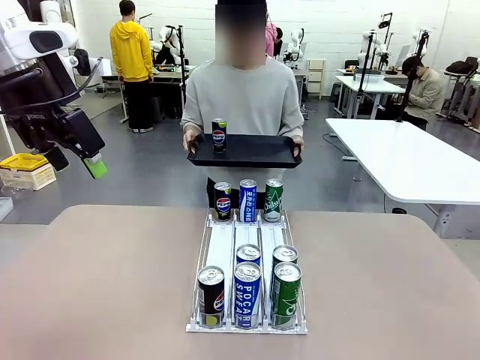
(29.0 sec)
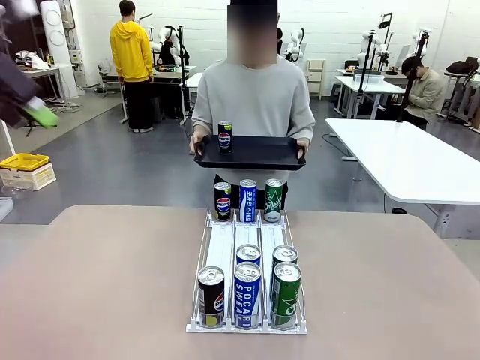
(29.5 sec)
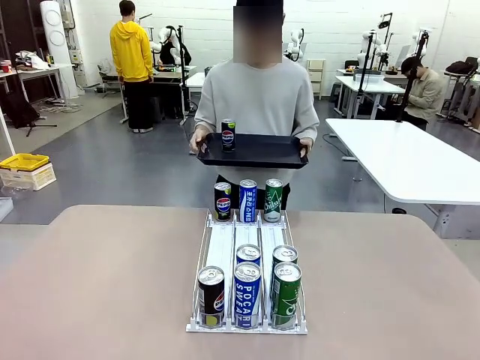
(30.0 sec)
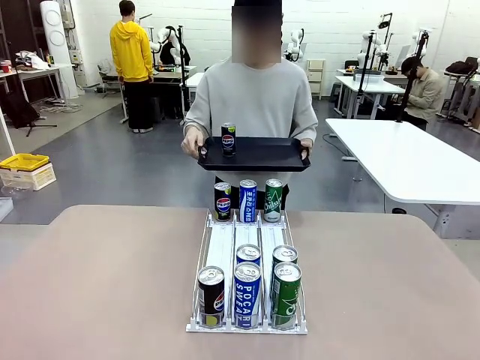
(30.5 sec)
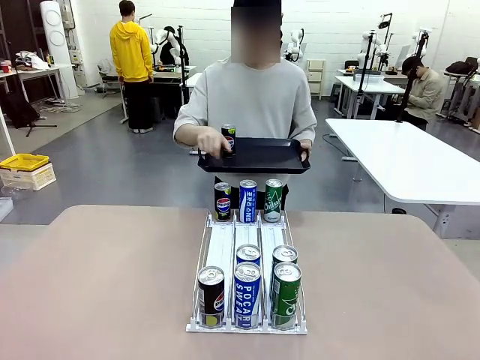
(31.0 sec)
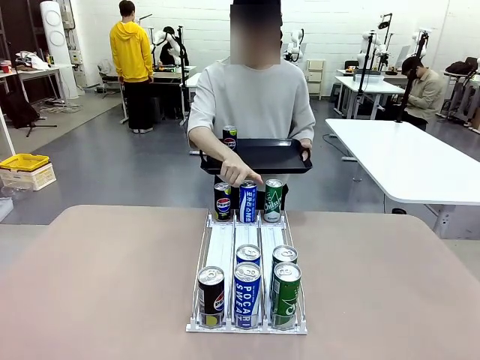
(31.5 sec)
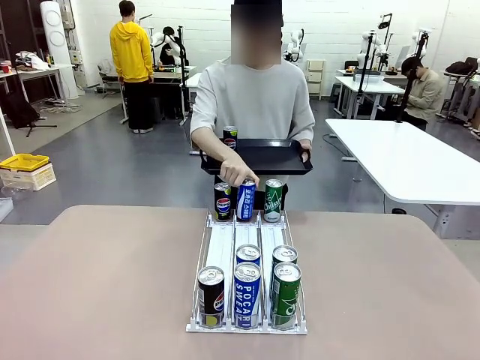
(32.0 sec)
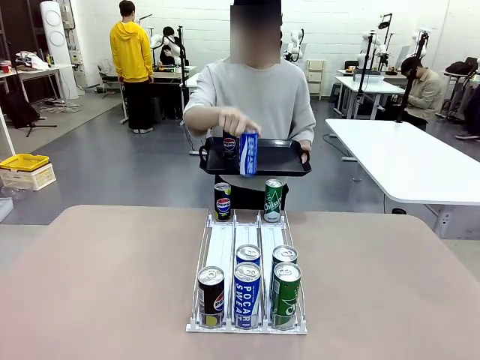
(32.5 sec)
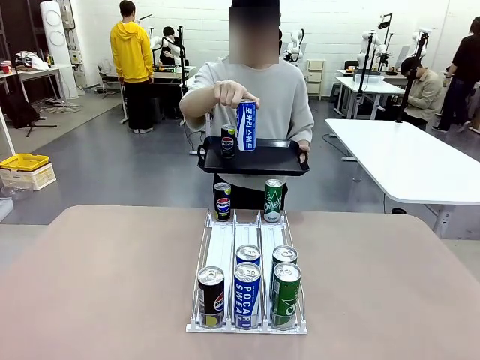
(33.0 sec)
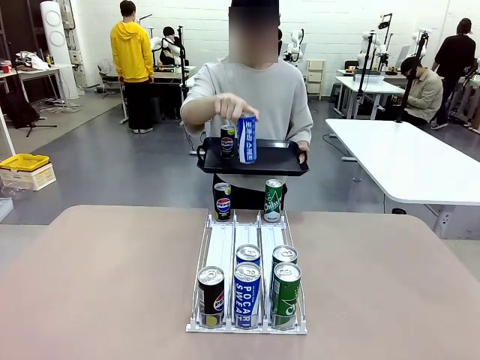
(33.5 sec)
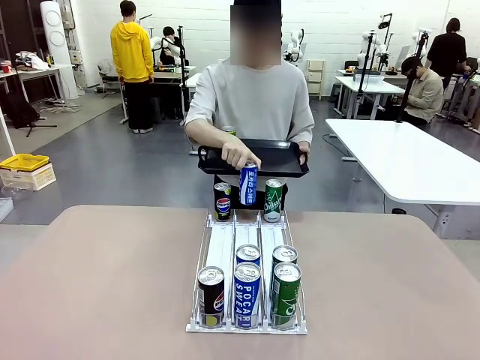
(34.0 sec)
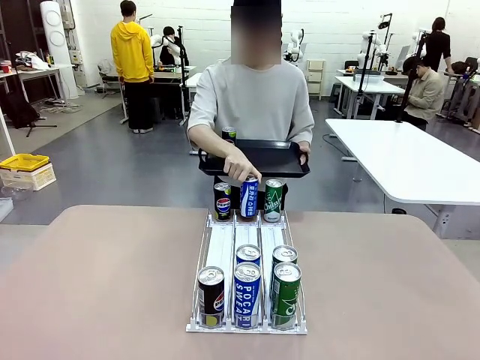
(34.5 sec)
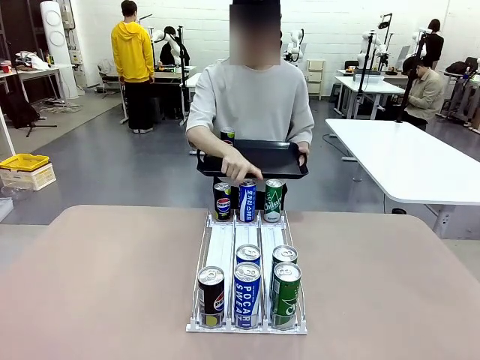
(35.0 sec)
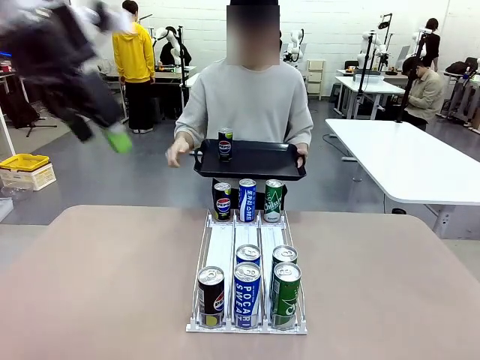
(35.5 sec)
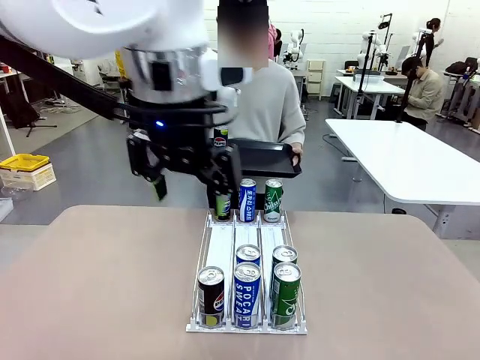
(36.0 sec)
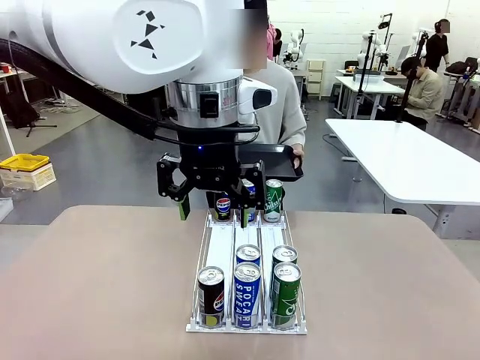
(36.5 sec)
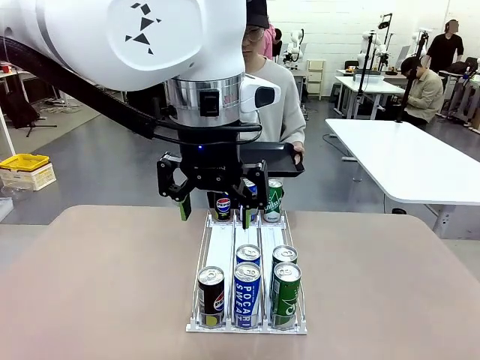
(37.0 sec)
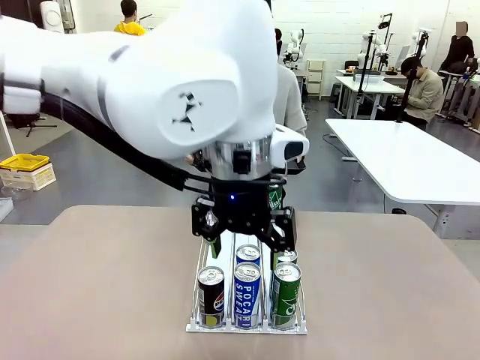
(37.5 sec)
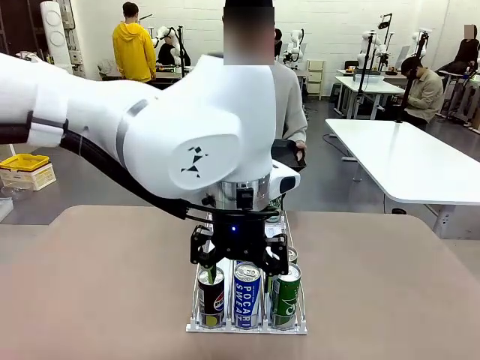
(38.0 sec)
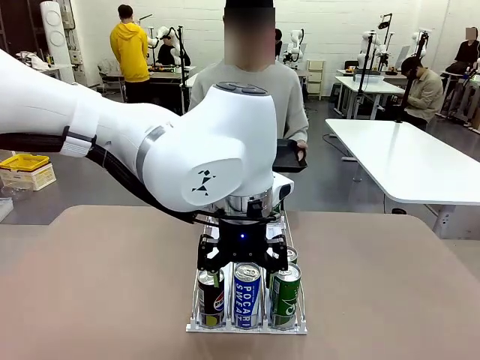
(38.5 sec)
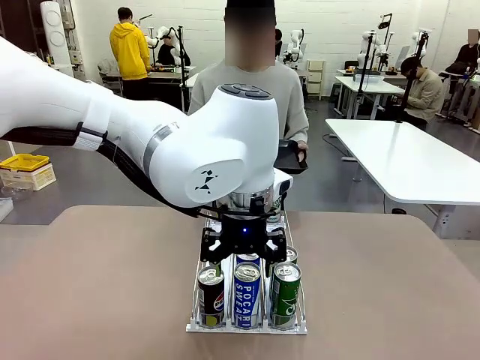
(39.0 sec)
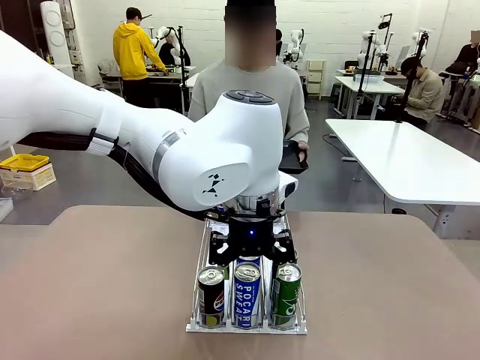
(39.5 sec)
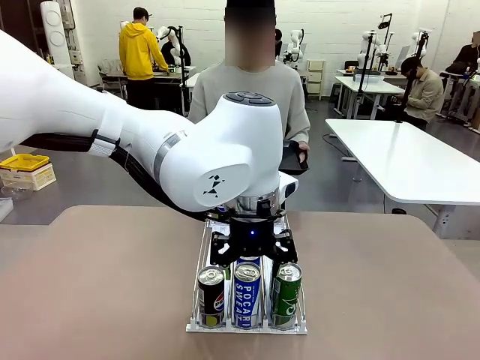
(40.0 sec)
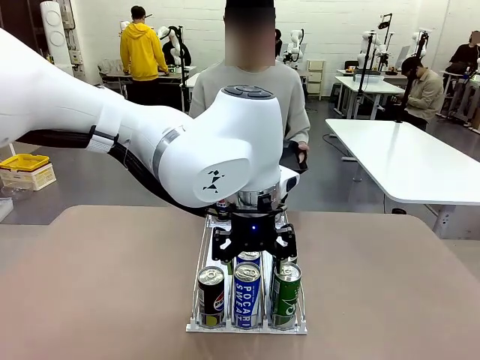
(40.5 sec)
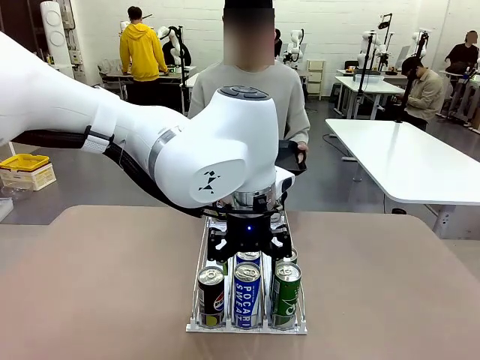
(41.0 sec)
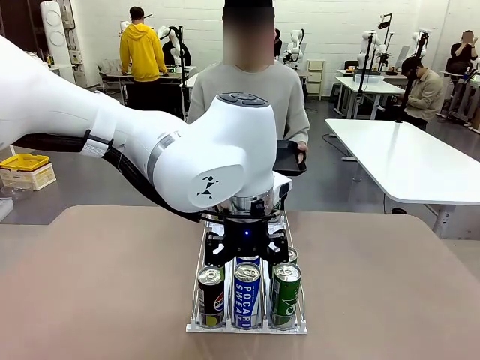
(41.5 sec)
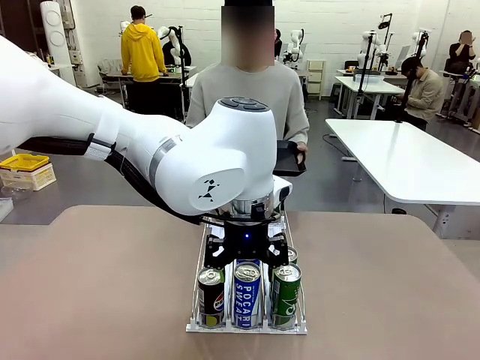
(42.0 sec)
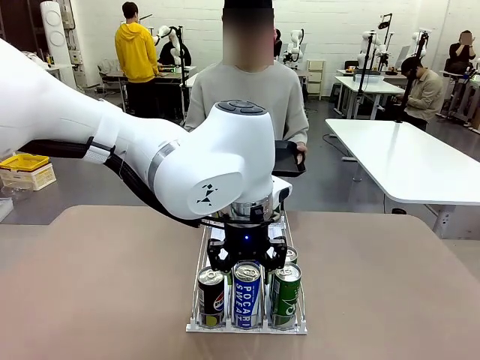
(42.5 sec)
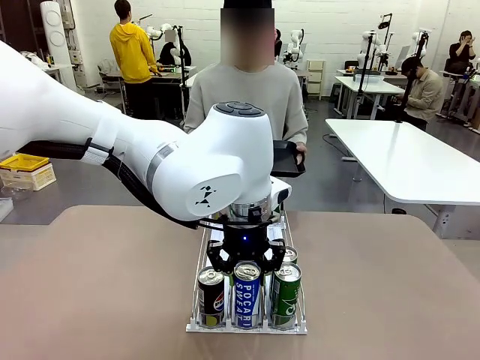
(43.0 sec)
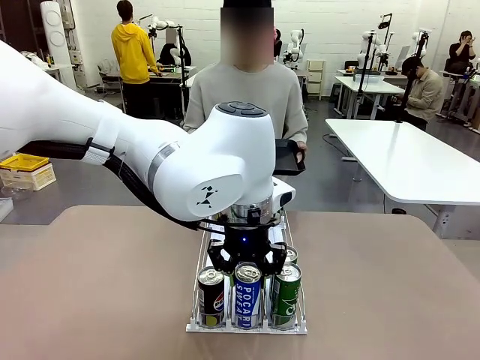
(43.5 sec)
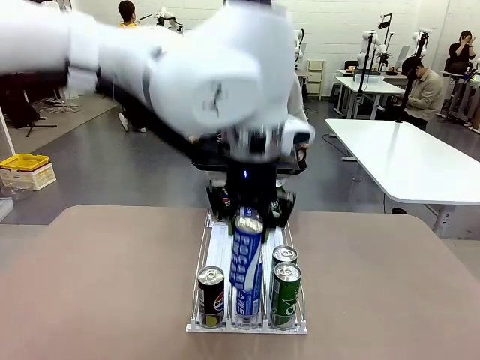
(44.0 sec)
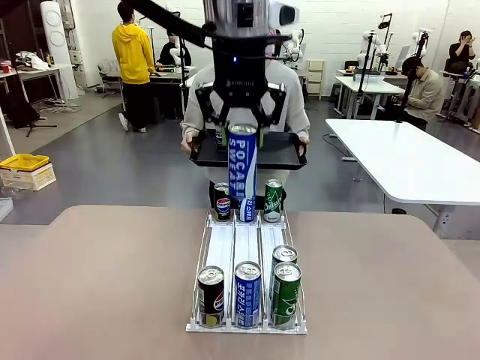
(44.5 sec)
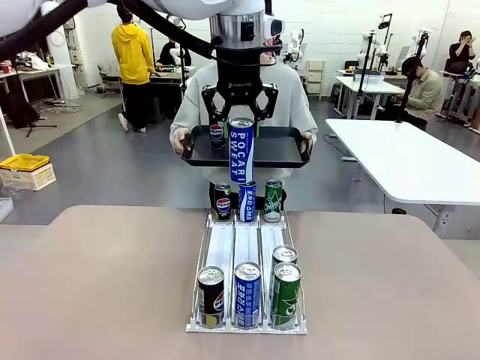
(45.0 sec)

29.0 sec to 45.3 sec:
Task: Retrieve and hand over the desired beverage to the person.
Robot: Pick up another can of the same type that the person held from the Automatic Can Dispenser.
Person: Pull the tray back, then pick up another can from the bottom area of the table and puts it back in its original place. Push the tray toward the robot again.

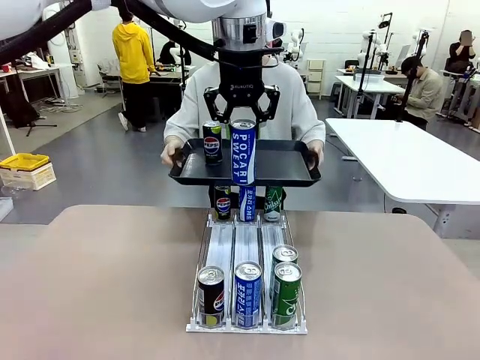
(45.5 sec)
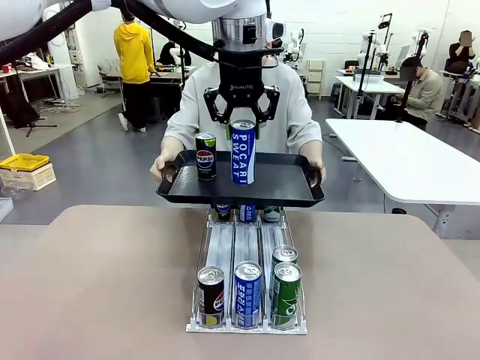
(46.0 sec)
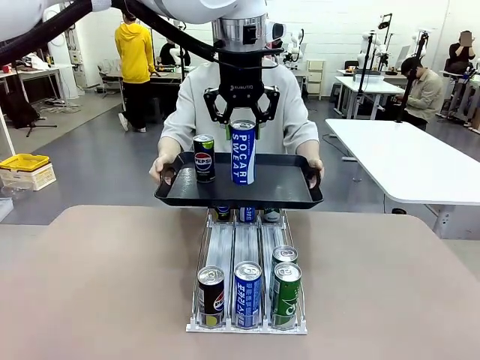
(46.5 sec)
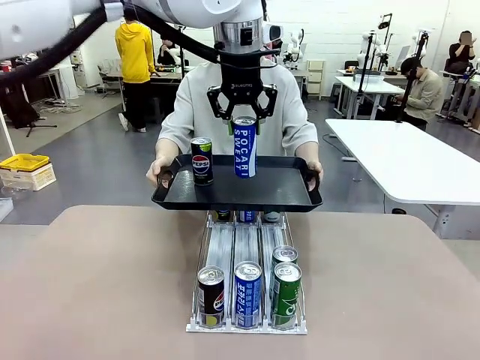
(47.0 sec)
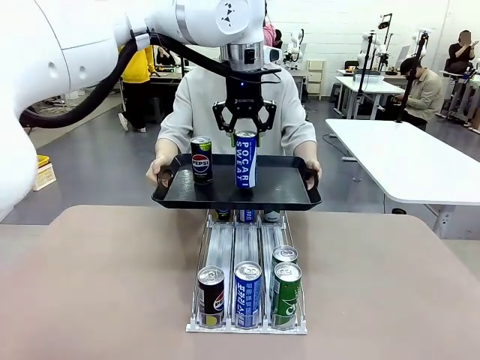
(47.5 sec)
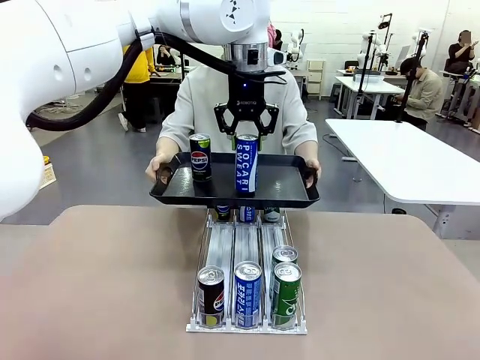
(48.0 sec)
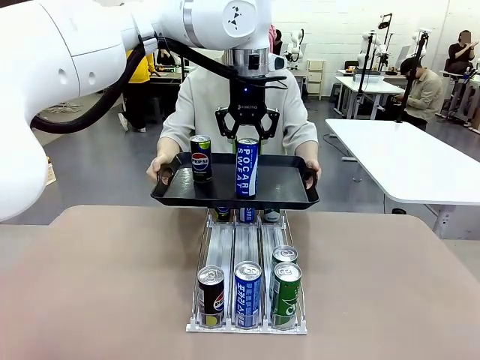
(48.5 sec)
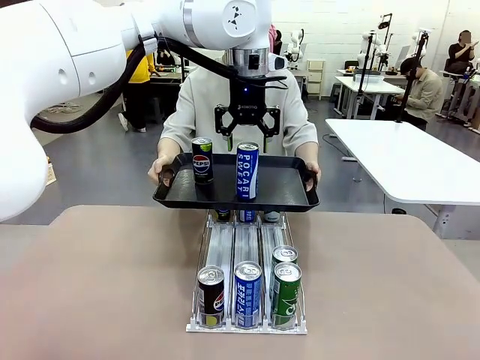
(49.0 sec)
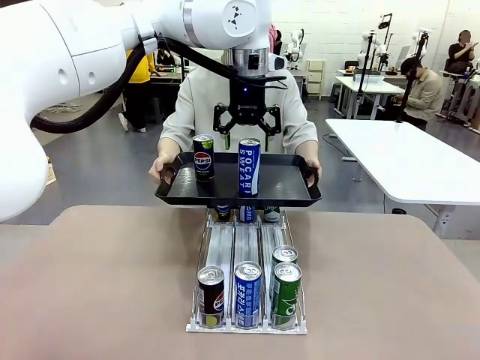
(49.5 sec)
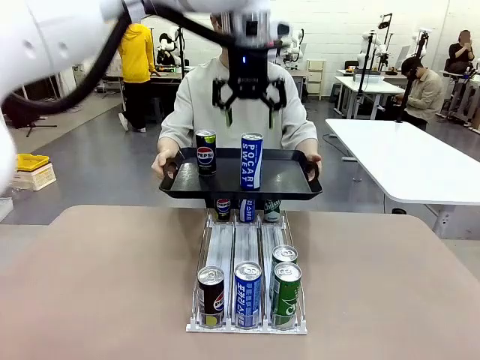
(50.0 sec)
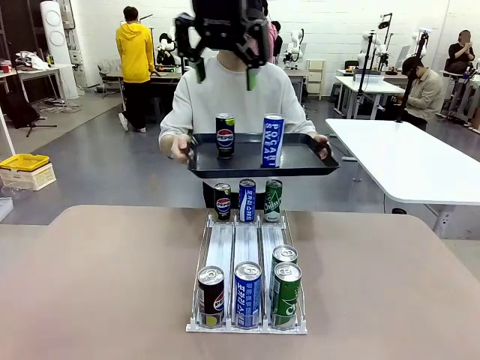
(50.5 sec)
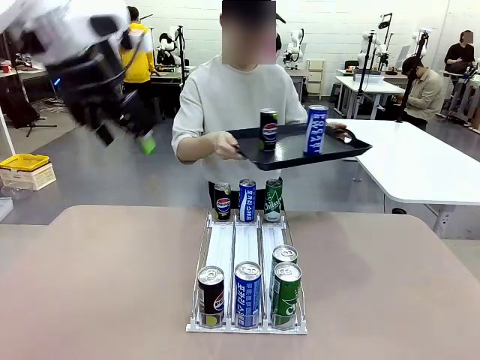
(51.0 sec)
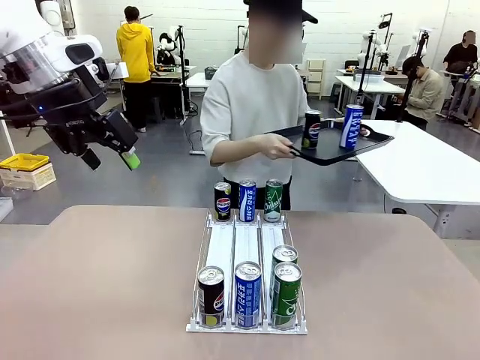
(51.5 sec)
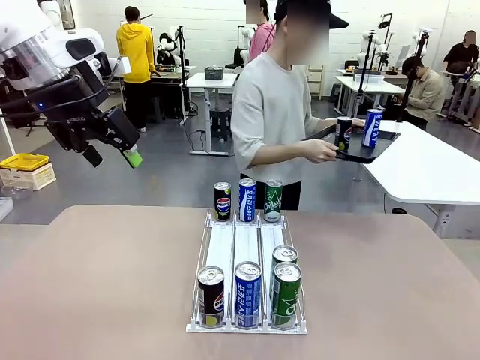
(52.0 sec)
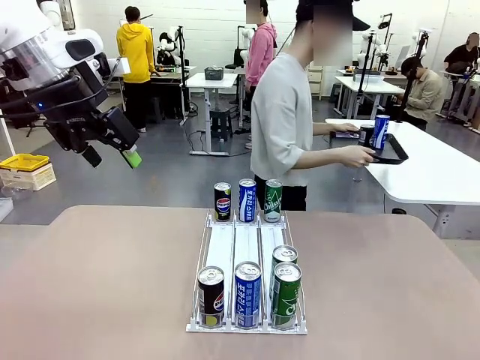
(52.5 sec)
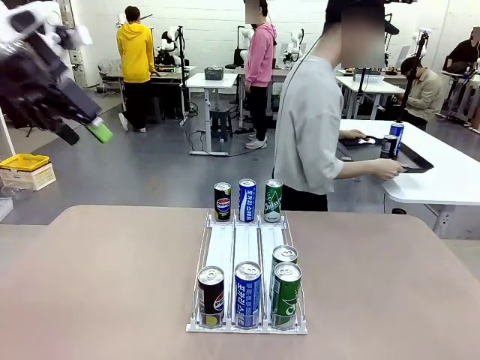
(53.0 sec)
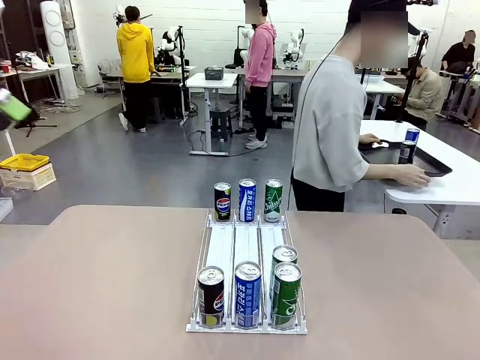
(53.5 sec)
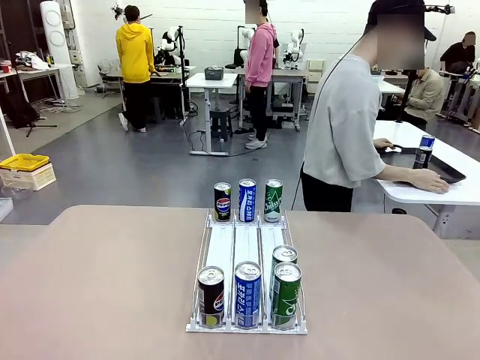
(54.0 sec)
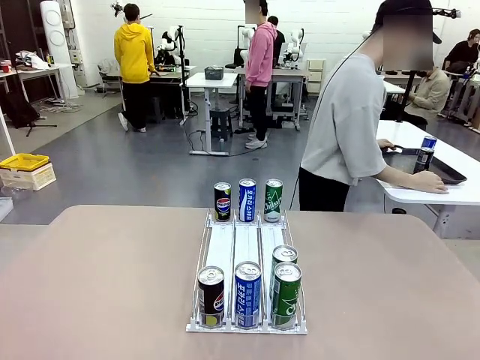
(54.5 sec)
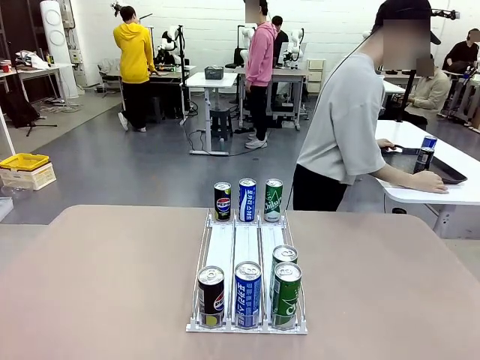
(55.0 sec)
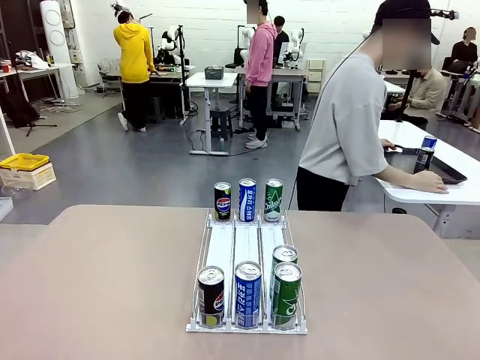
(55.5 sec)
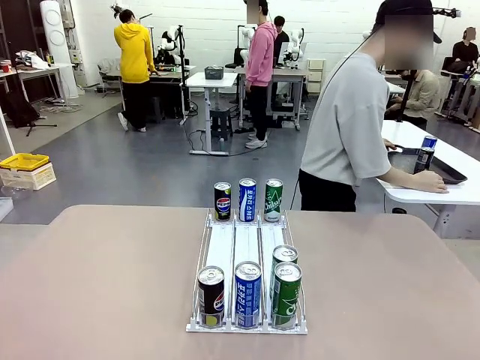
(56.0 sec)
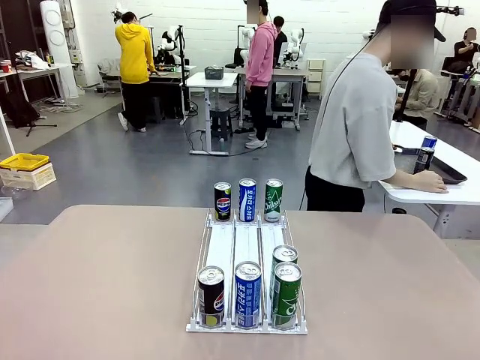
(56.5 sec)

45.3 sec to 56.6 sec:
Robot: Place the picked can on the Handle tray extended by the person.
Person: Pull the tray back and place it at the center of the human table.
